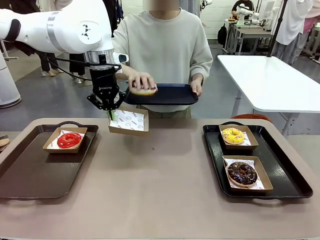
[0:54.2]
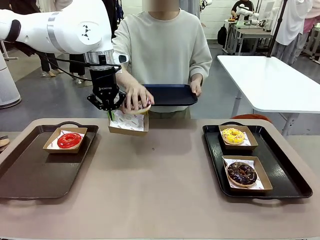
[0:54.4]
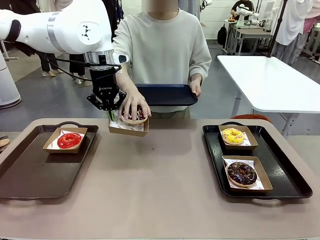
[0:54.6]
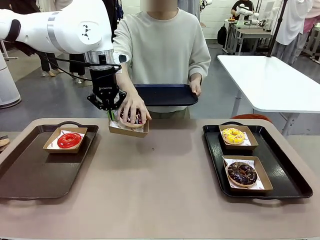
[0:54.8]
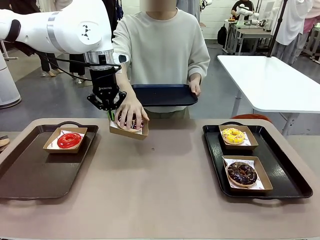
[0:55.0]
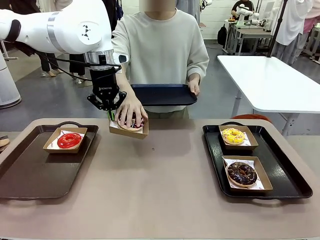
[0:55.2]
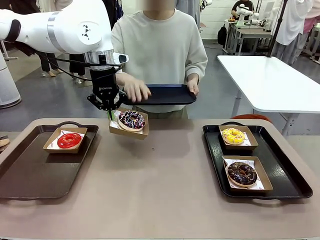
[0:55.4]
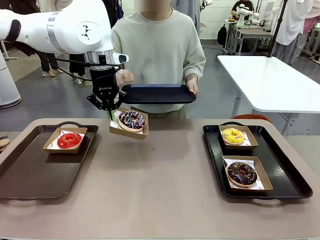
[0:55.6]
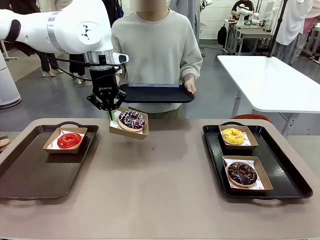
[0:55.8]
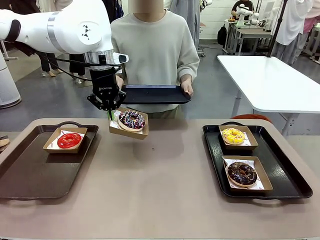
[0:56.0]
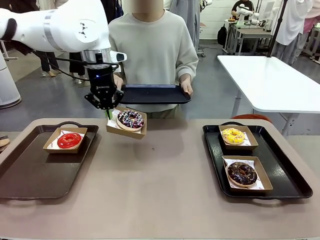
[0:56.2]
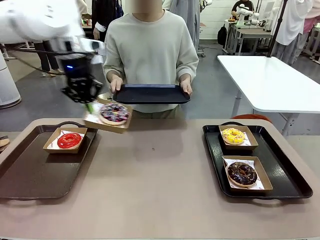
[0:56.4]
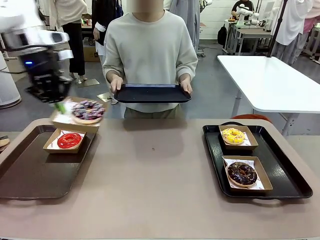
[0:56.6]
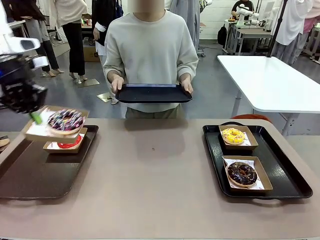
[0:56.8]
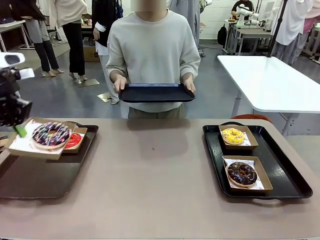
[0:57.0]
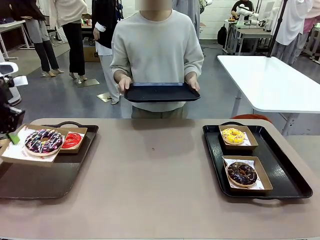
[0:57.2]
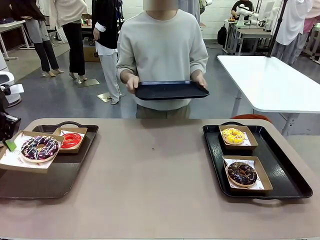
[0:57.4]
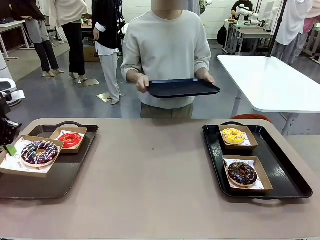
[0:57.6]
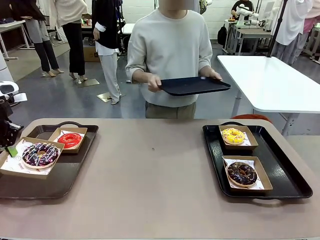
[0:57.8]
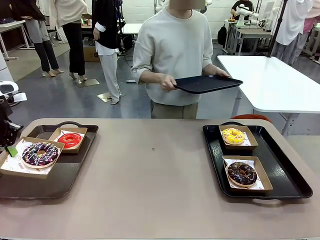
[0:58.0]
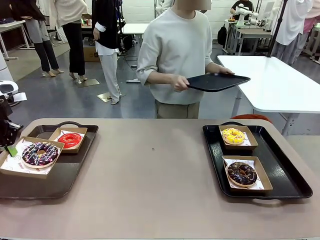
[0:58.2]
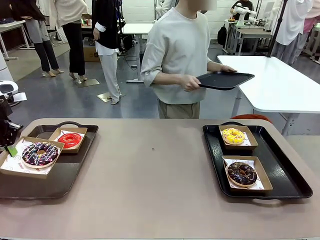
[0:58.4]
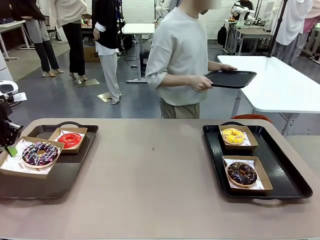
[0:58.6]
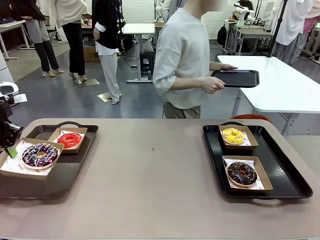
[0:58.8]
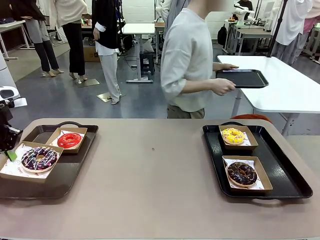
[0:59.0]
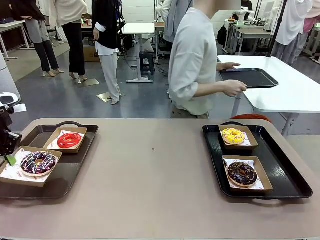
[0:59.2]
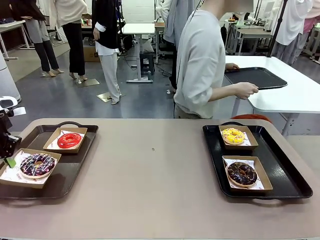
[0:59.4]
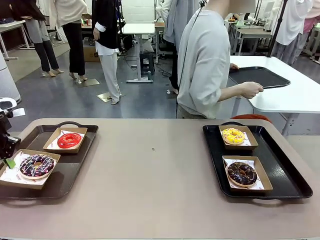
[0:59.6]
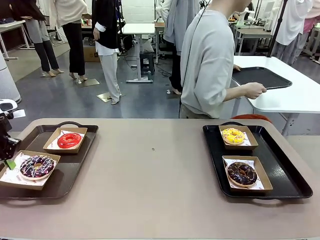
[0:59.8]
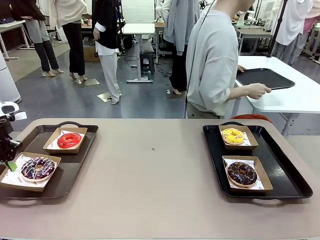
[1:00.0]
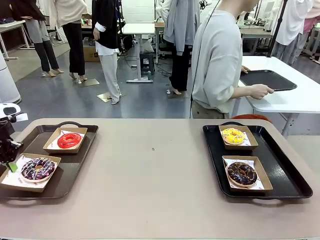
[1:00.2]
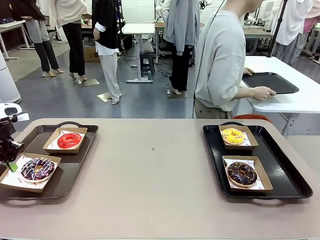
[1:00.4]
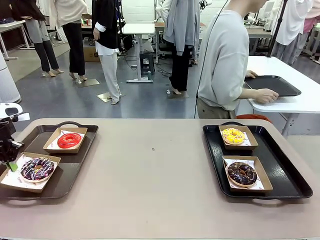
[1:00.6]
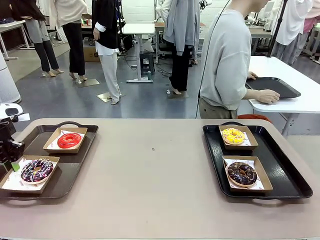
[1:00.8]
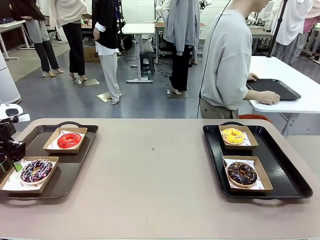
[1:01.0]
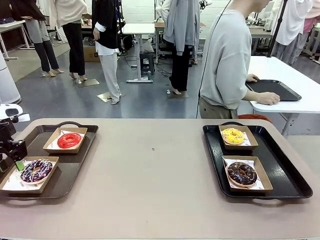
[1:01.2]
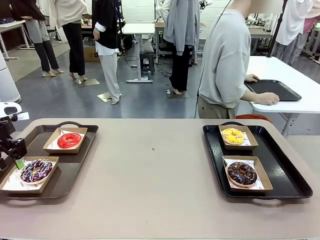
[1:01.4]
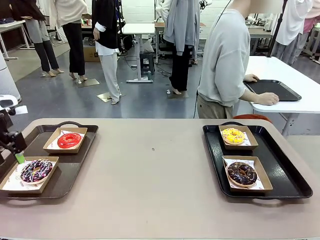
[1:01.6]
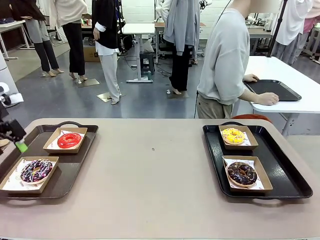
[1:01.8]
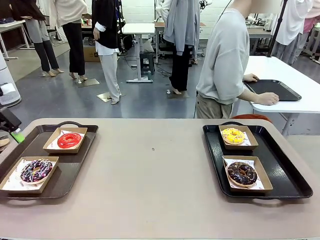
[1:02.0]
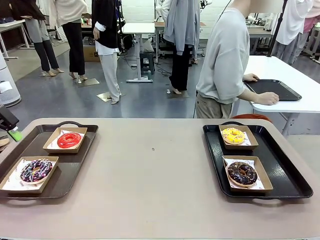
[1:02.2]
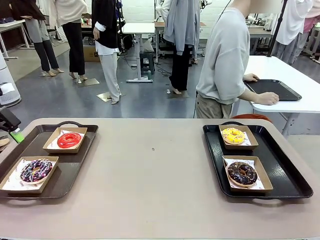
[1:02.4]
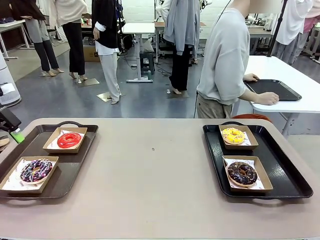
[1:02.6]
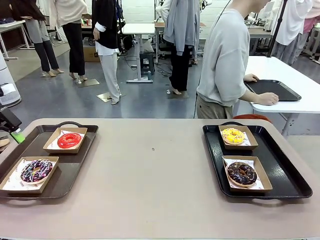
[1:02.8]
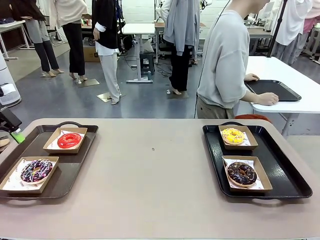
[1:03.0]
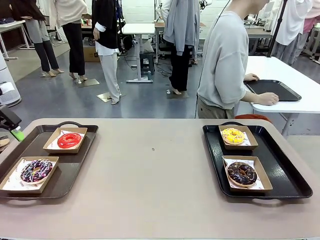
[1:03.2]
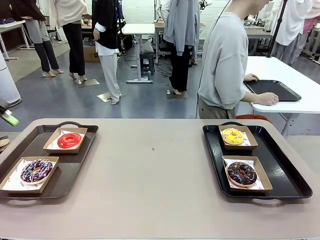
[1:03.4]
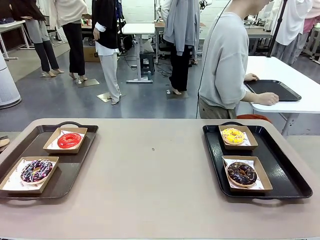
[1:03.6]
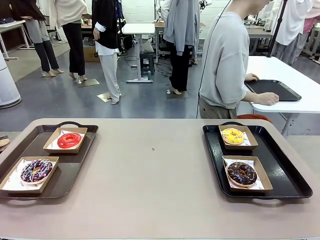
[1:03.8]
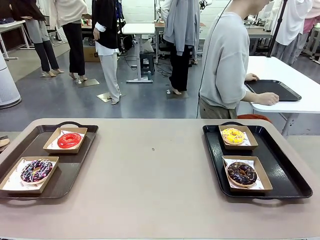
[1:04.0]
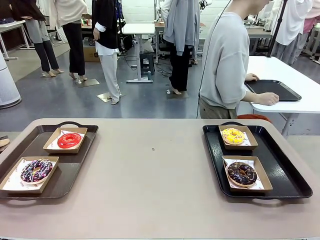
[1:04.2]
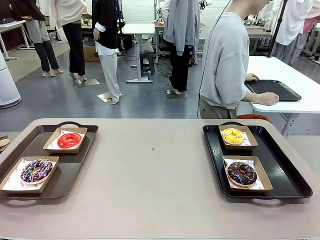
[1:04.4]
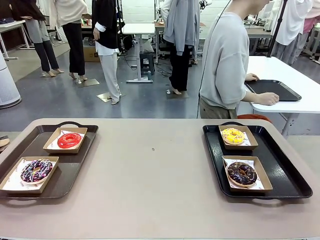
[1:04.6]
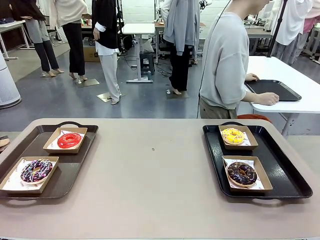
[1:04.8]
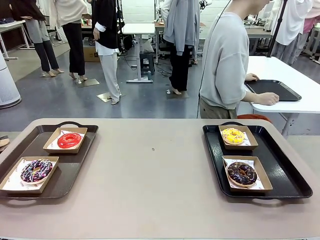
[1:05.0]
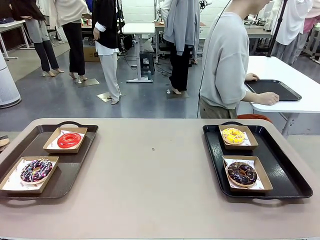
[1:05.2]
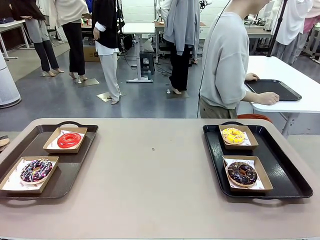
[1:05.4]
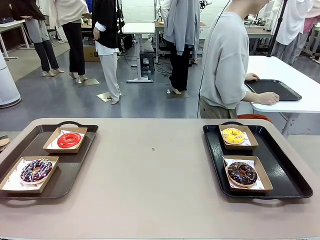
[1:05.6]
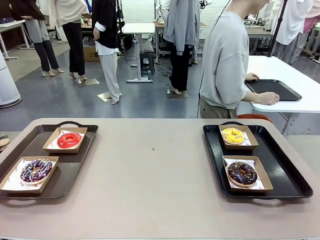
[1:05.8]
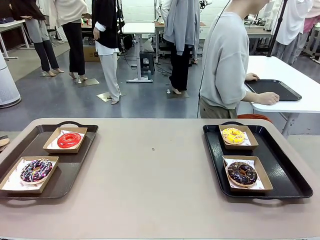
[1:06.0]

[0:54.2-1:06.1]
Task: Individually package the donuts and arrange them on the tray.
Robot: Place the picked Paper togo box on the Handle tray.
Person: Place the tray down in the middle of the human table.
